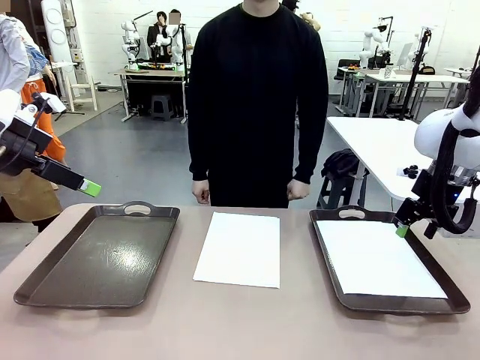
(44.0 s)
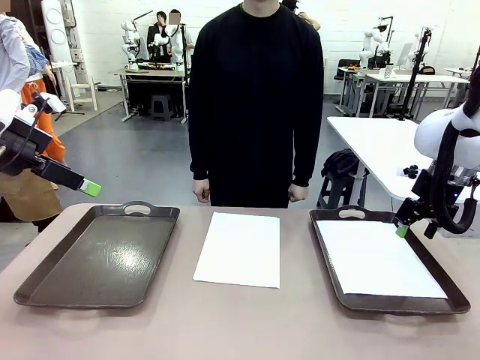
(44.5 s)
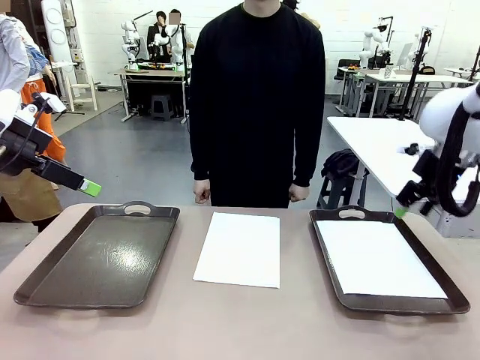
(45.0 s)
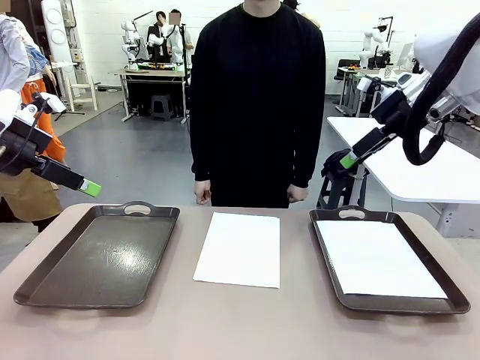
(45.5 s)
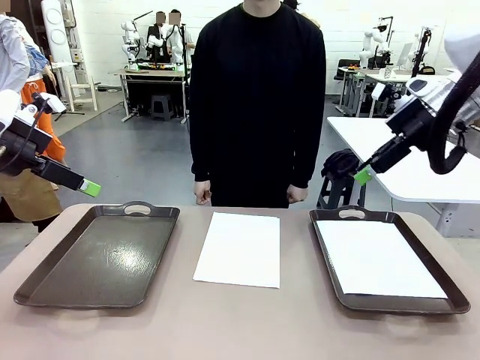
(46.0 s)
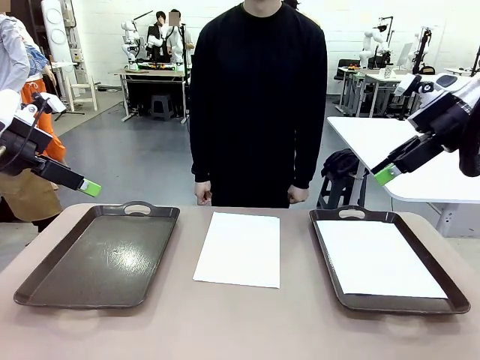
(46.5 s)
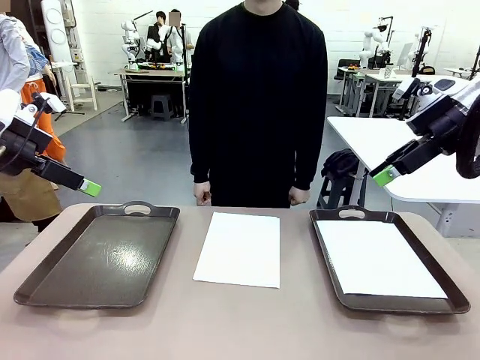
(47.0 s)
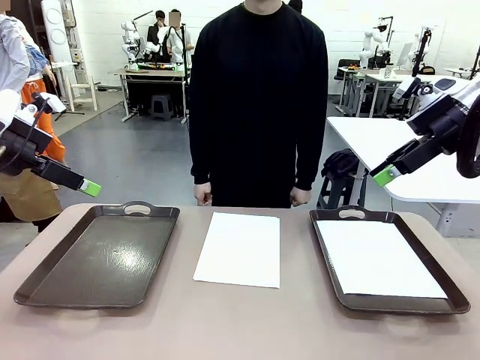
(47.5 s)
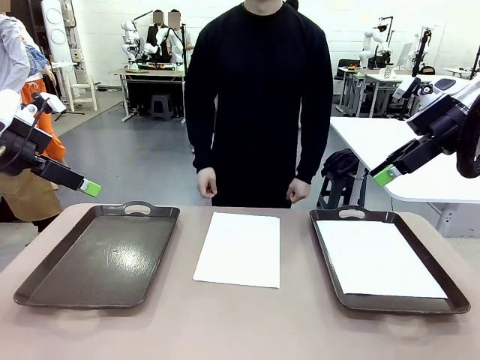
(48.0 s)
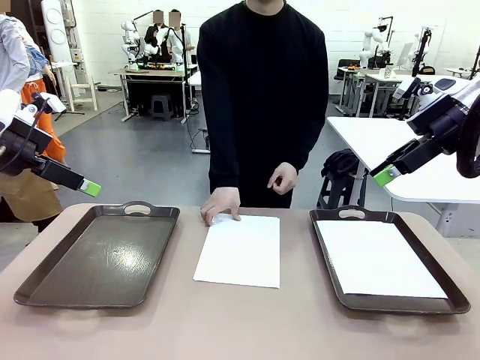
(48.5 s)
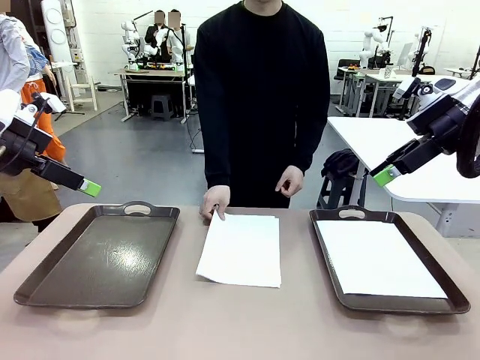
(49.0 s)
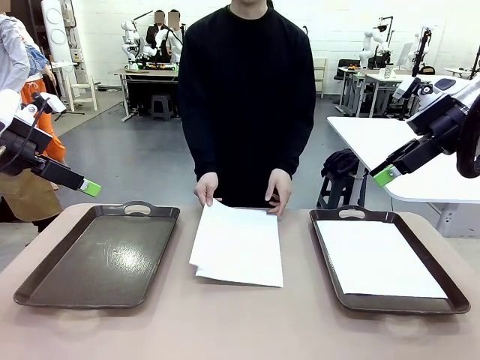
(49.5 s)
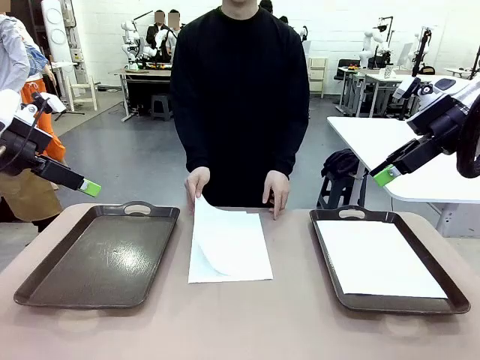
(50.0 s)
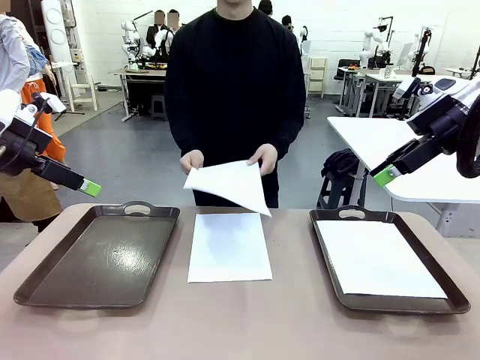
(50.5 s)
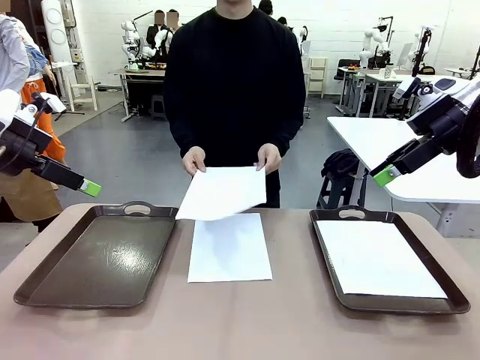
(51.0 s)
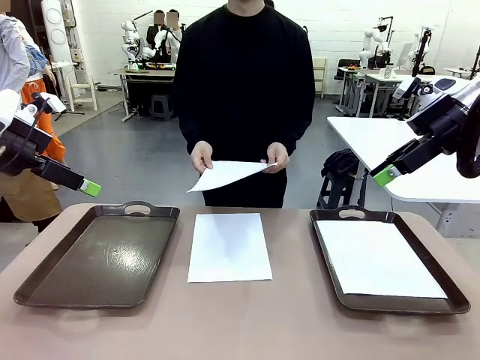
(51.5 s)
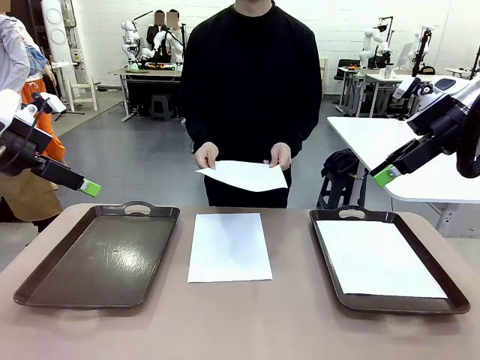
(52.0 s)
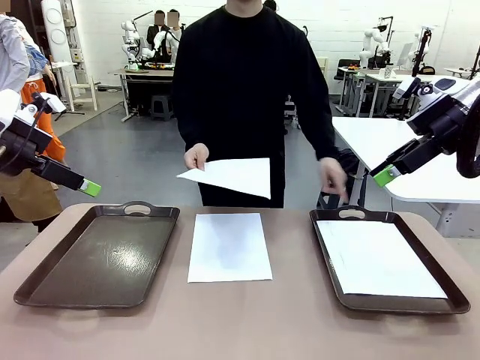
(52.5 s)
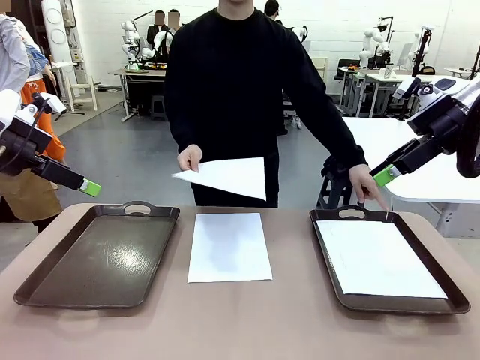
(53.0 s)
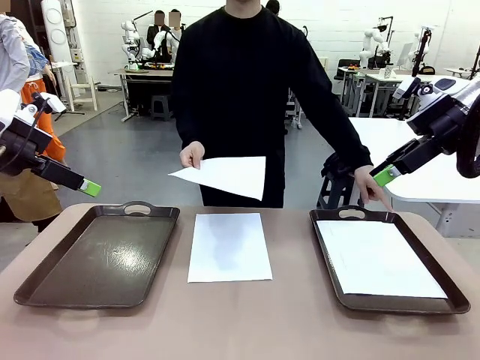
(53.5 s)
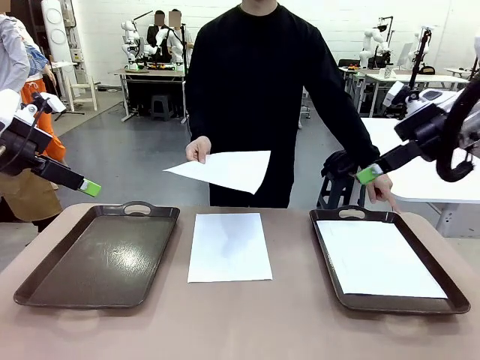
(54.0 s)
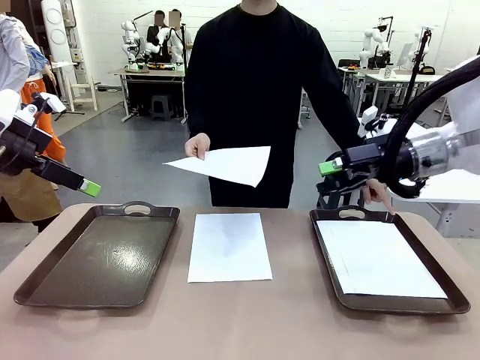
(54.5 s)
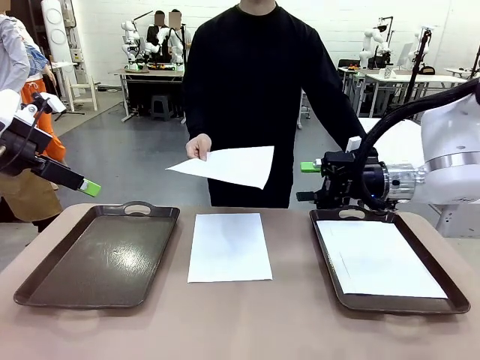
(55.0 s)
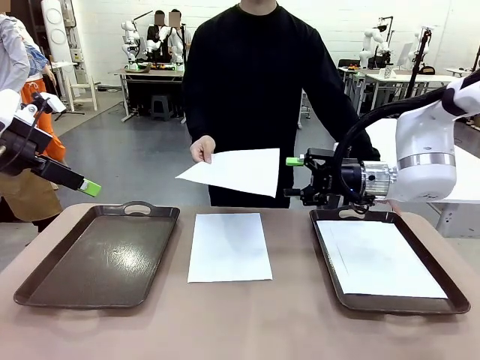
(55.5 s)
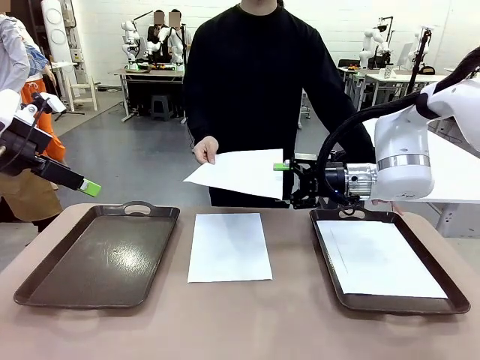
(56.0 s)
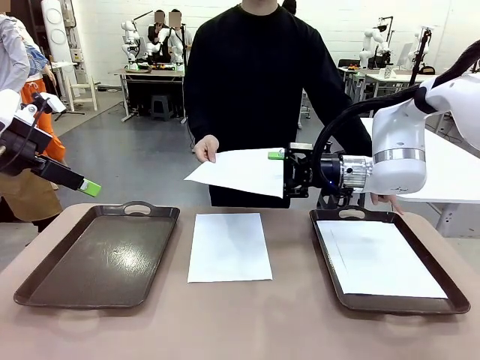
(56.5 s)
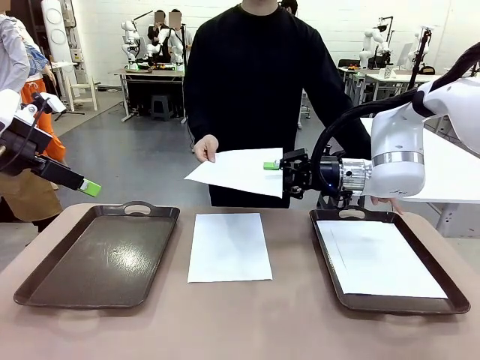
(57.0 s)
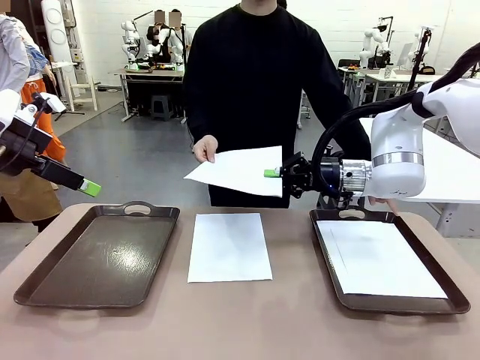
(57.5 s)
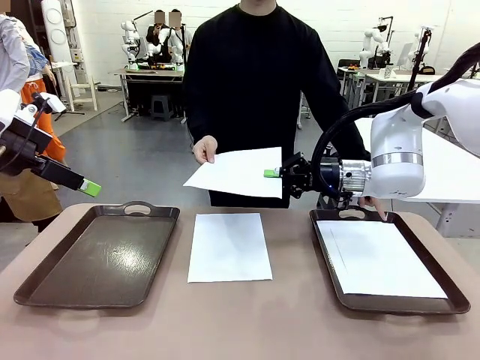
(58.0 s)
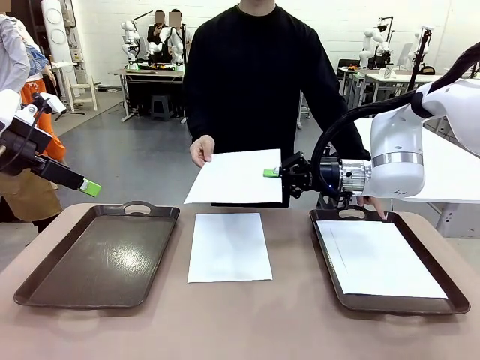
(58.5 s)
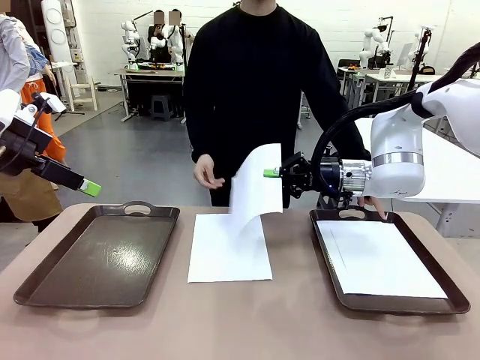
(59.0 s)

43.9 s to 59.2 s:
Task: Sort the A4 documents.
Robot: Receive the A4 Paper.
Person: Point the randomly selected tray with the other hand.

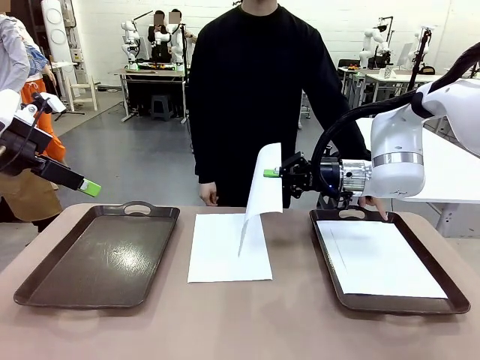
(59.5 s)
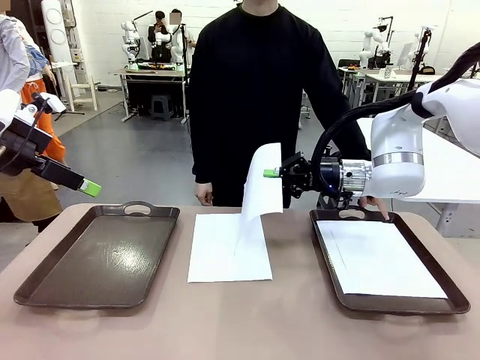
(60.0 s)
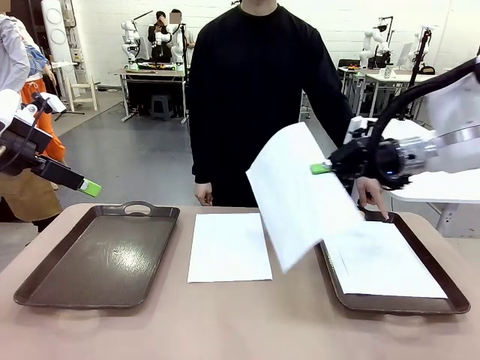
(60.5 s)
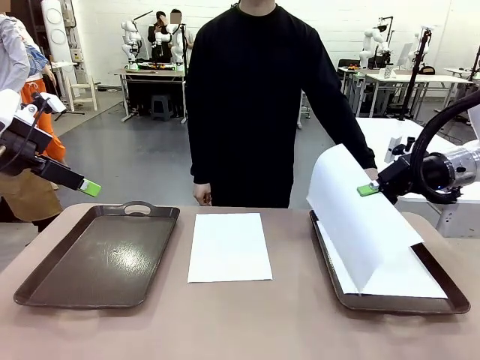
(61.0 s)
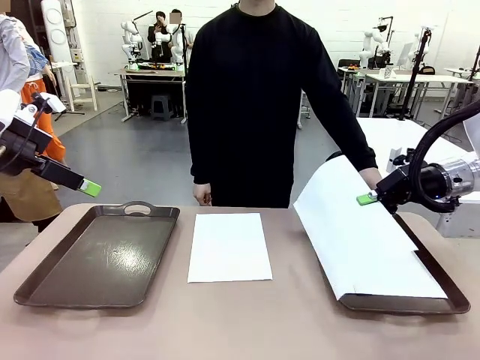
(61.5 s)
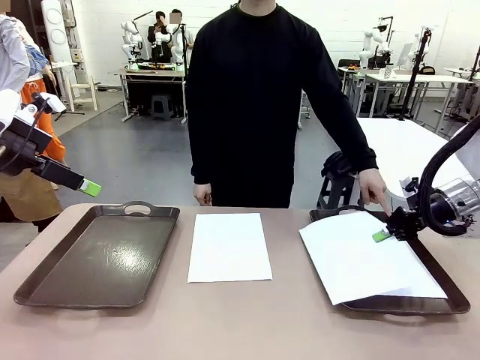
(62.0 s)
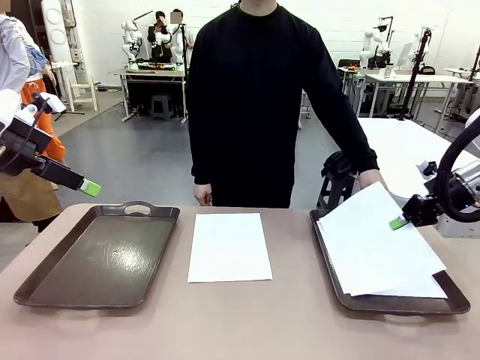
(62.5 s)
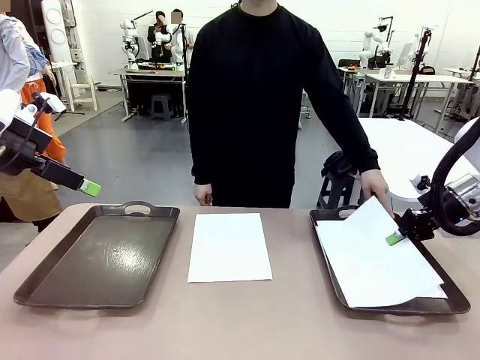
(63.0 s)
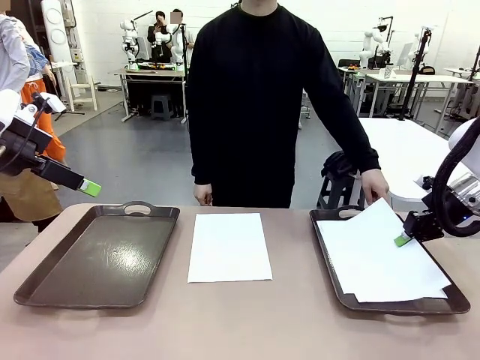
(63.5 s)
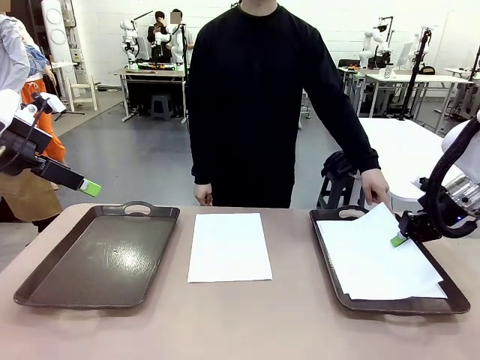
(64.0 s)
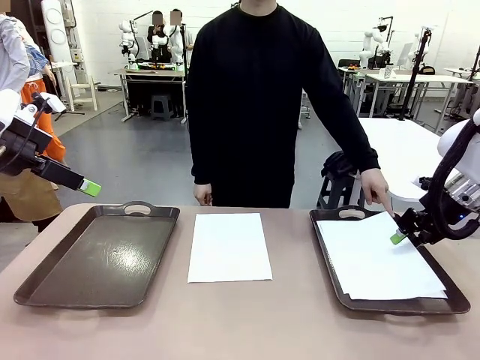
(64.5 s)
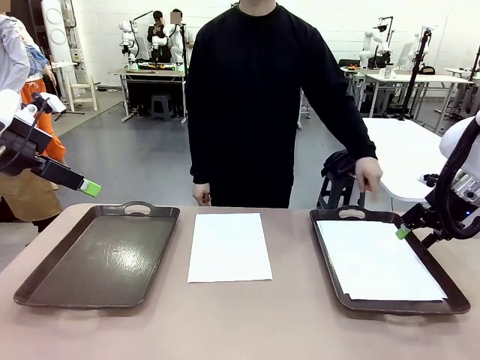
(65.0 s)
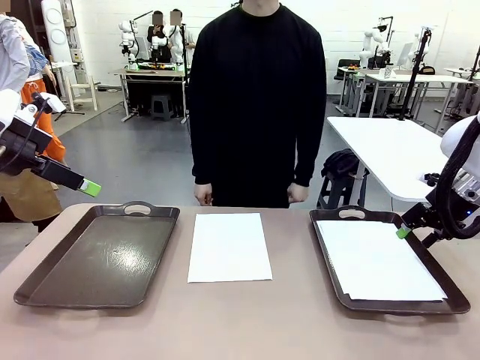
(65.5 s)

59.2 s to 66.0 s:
Robot: Place the A4 Paper in the designated Handle tray.
